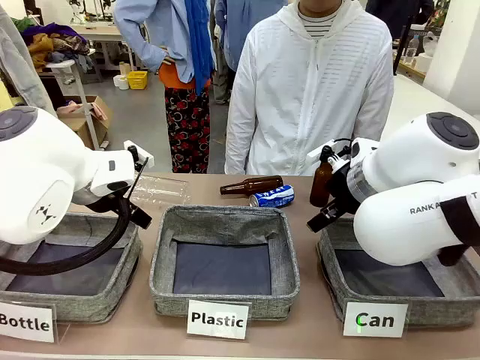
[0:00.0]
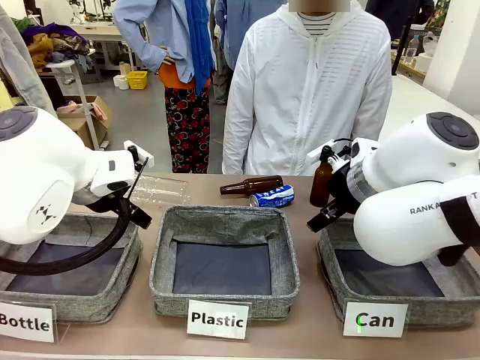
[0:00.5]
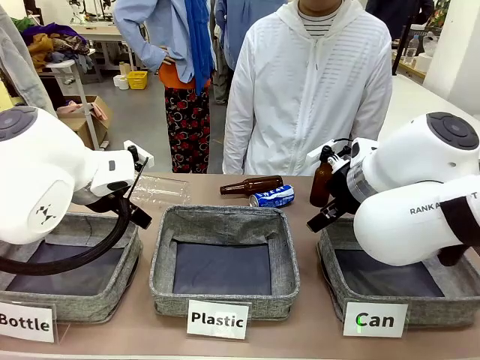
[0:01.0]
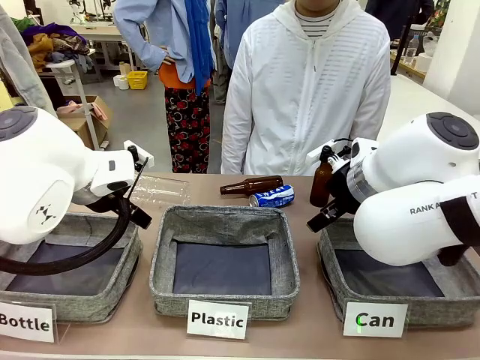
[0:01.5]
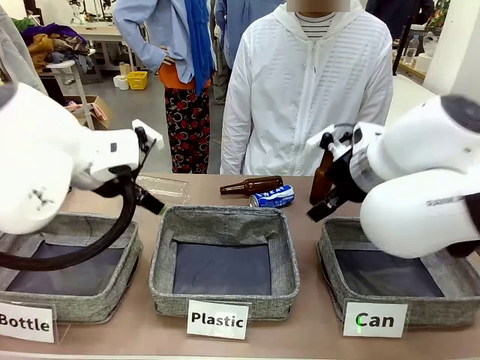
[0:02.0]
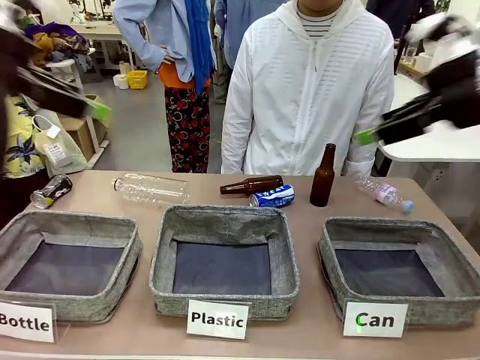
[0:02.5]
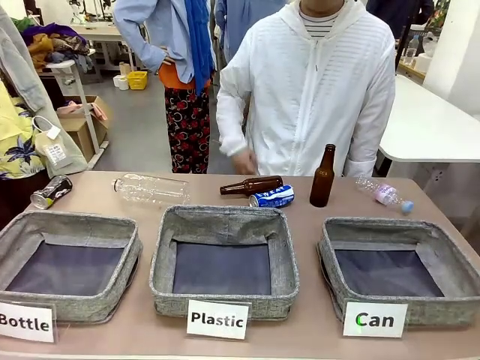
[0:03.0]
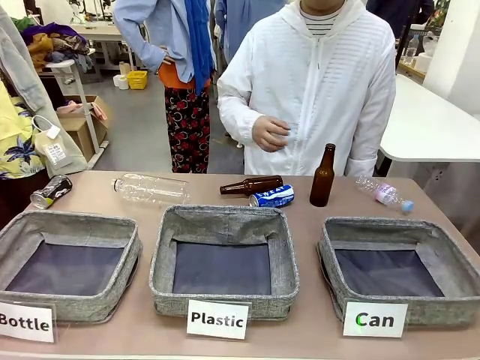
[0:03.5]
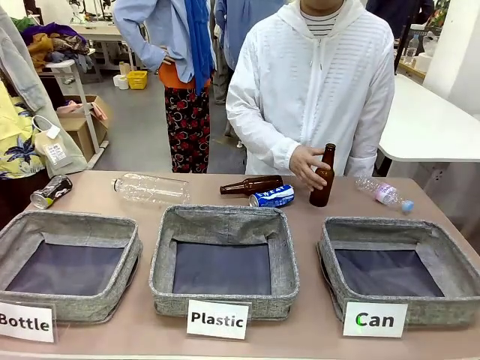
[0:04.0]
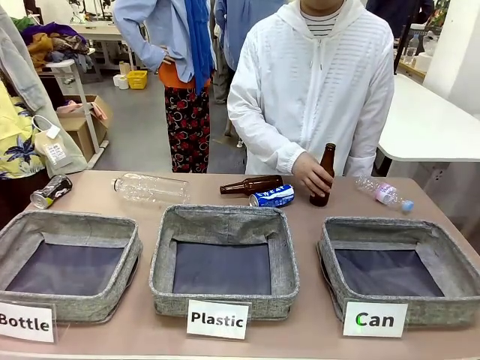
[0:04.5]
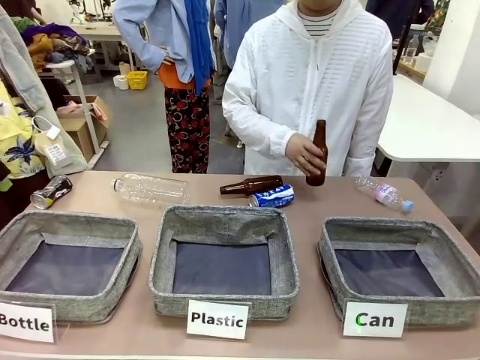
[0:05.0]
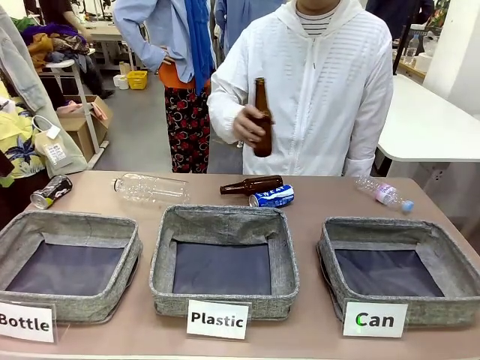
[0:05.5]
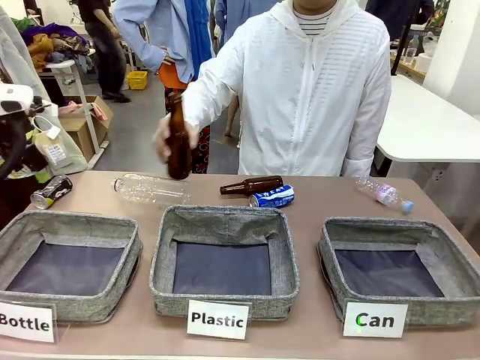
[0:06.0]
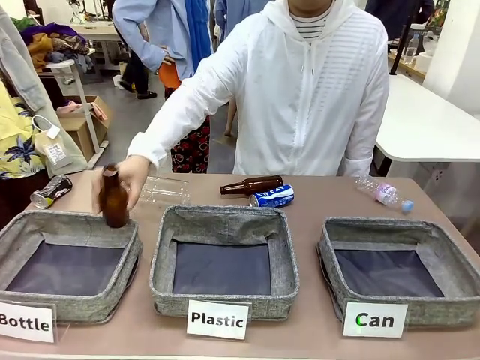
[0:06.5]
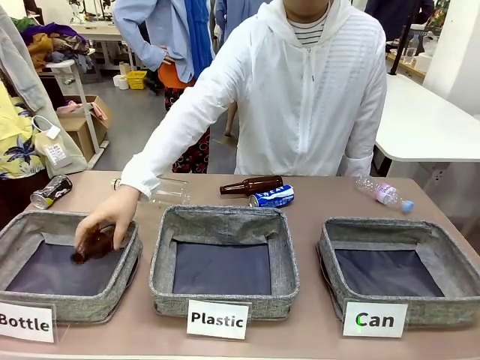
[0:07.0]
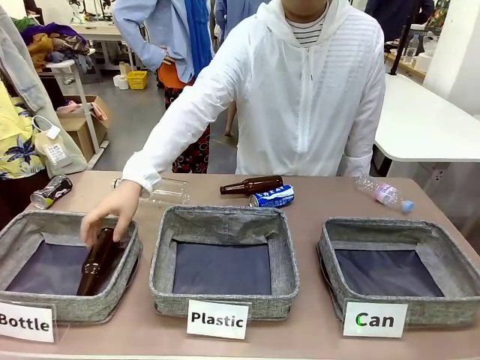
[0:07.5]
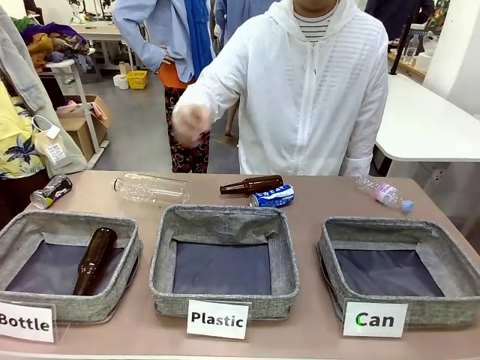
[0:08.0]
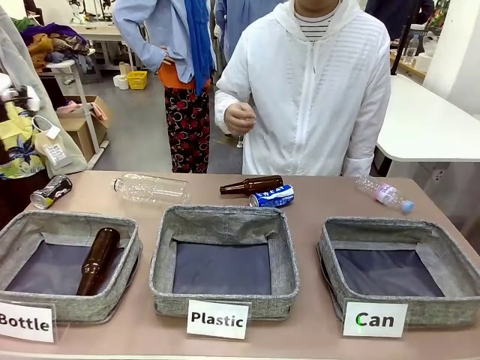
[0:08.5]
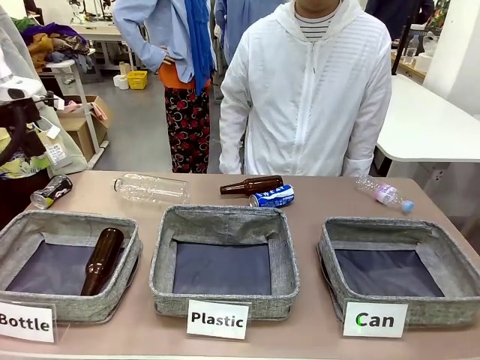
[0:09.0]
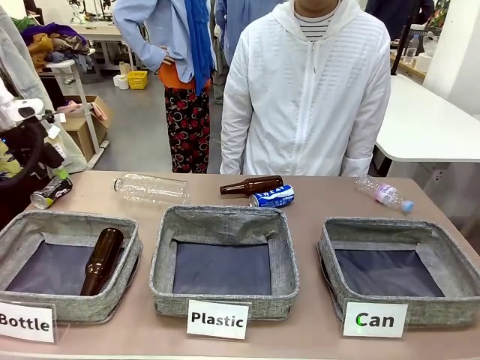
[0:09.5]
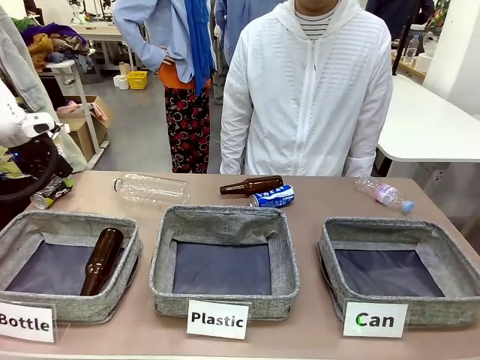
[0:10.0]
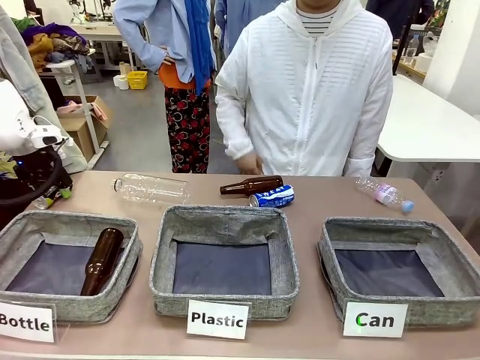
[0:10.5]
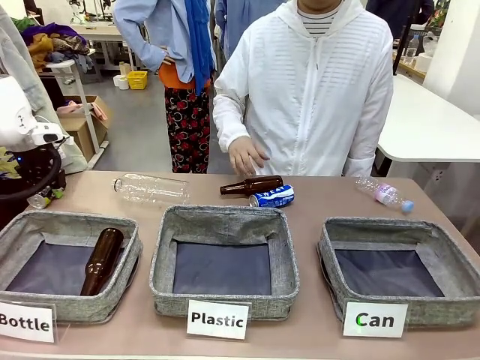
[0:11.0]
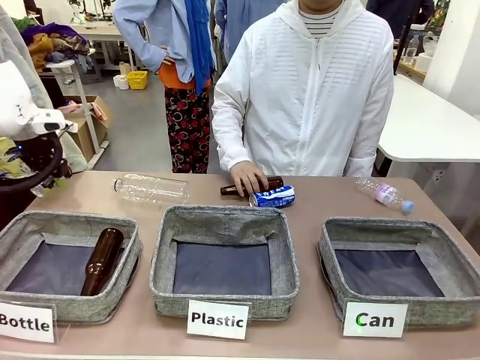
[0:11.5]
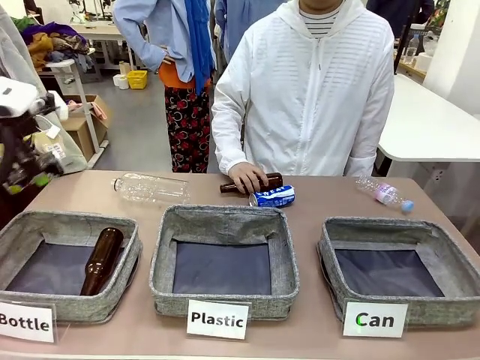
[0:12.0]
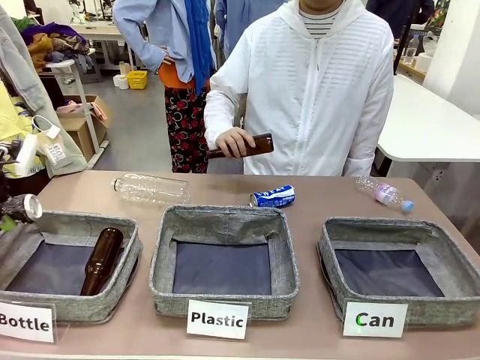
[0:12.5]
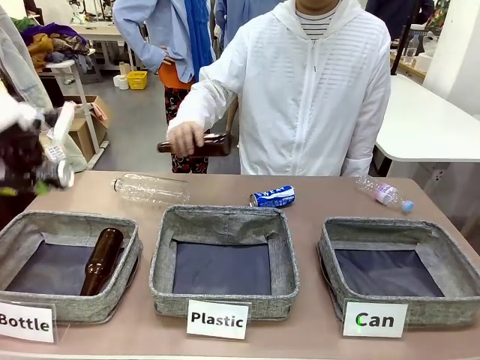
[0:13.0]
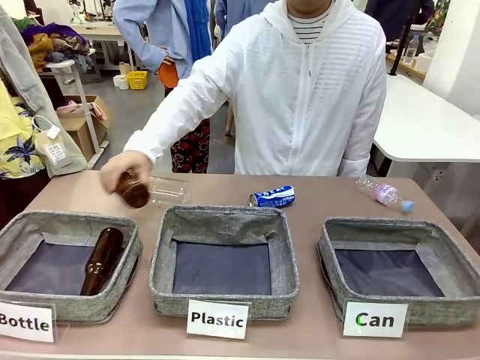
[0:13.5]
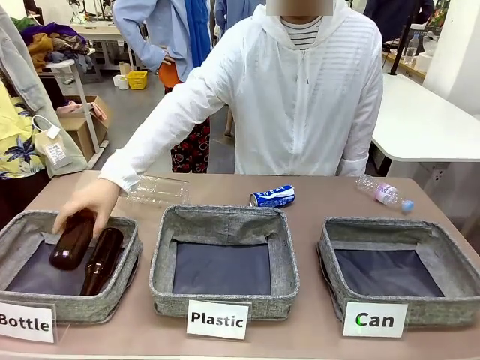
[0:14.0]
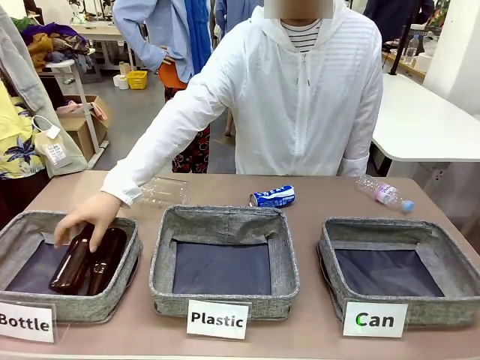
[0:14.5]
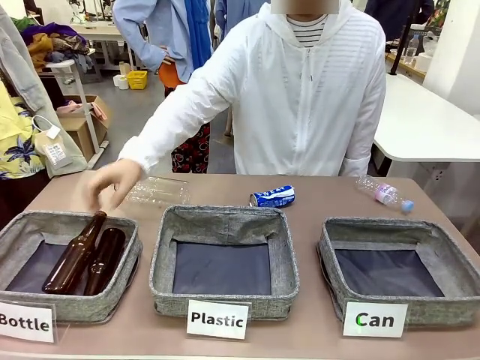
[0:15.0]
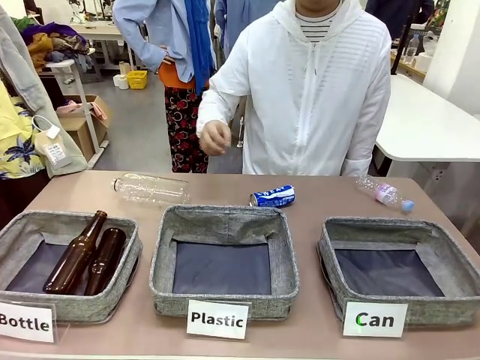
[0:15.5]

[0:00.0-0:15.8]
Task: Sort the can waste into the basket.
Robot: Pick up the can waste from the table and place it in the right Fabric basket.

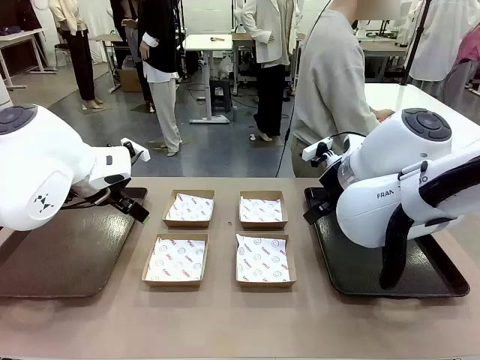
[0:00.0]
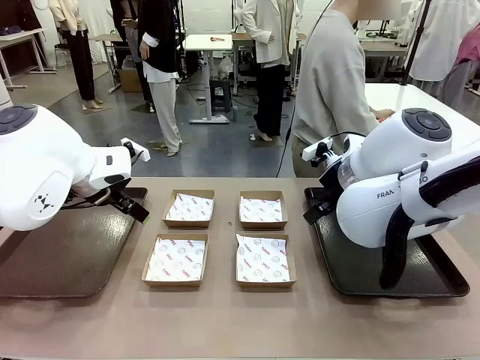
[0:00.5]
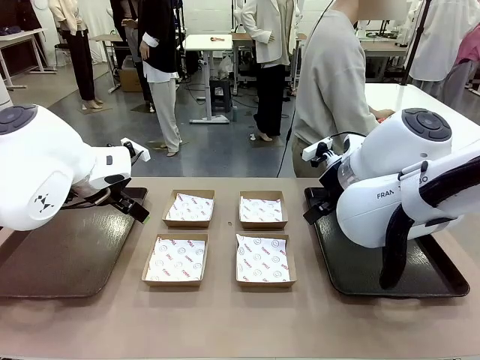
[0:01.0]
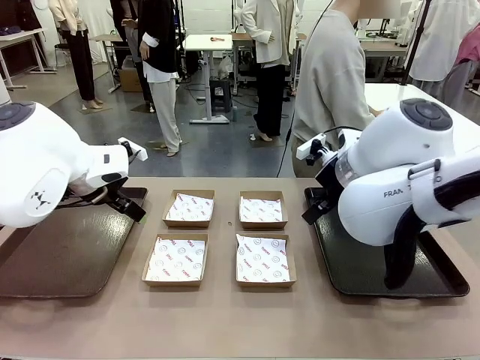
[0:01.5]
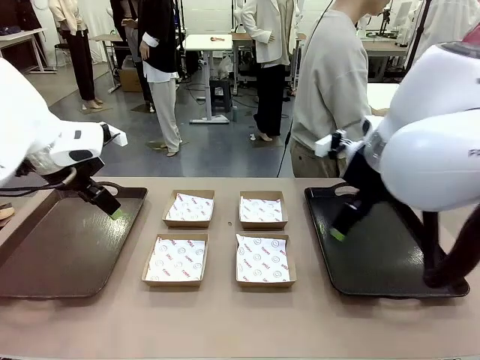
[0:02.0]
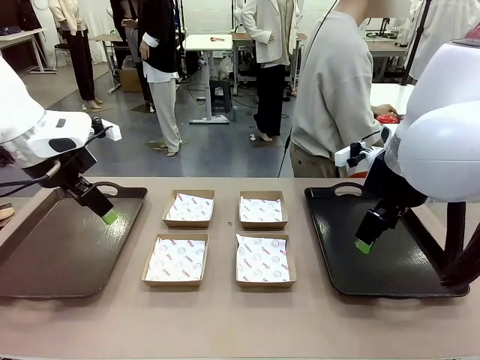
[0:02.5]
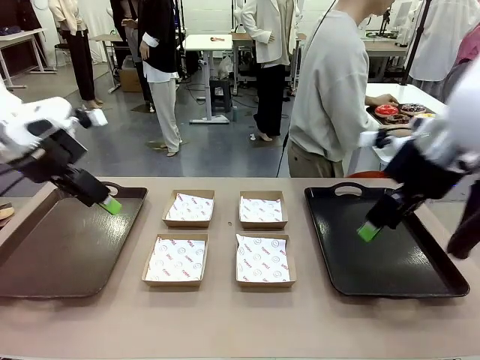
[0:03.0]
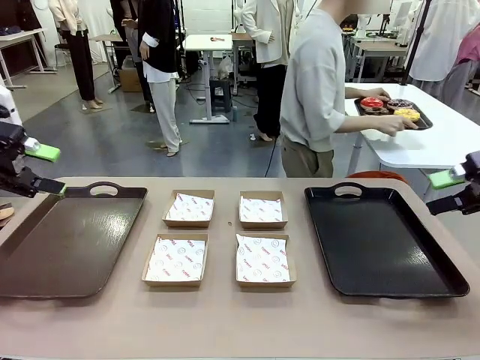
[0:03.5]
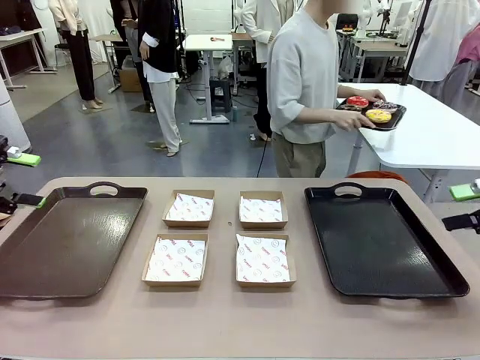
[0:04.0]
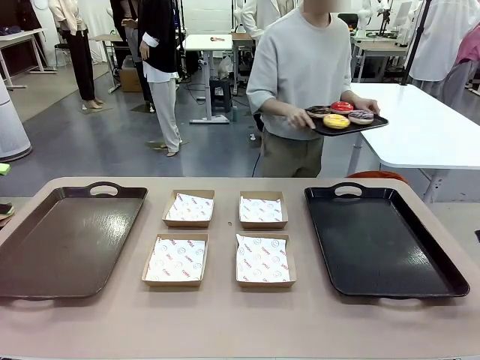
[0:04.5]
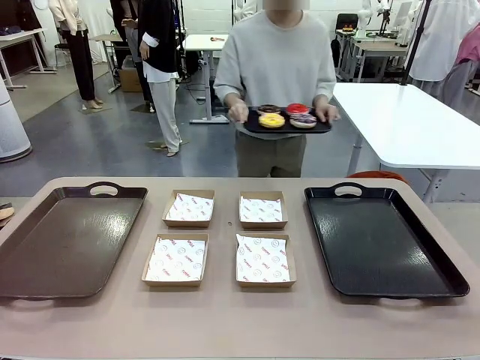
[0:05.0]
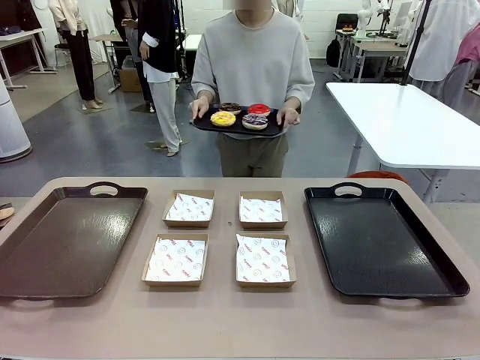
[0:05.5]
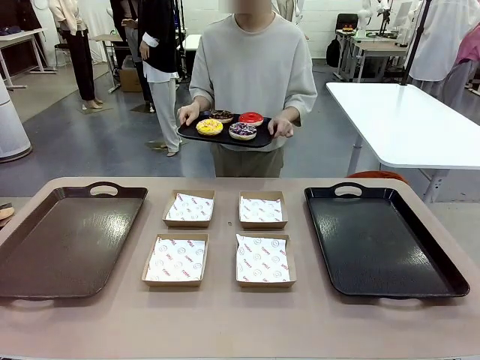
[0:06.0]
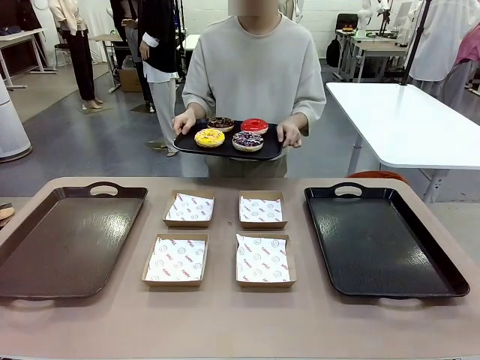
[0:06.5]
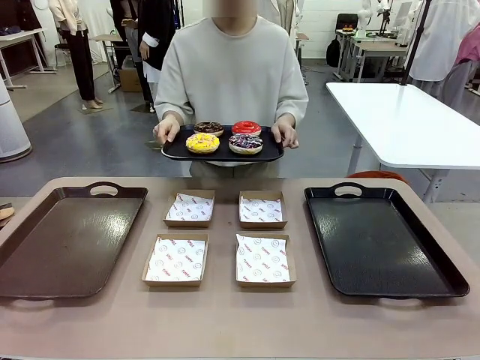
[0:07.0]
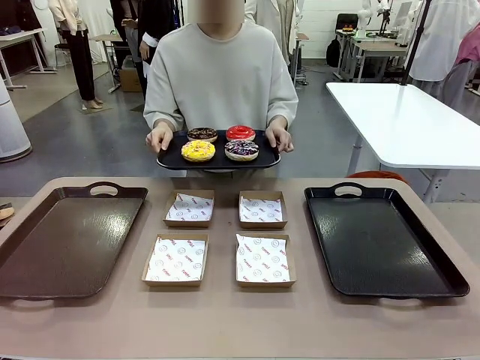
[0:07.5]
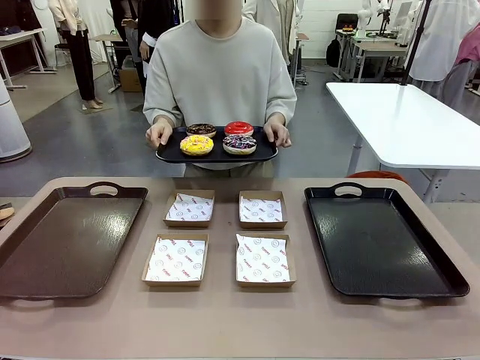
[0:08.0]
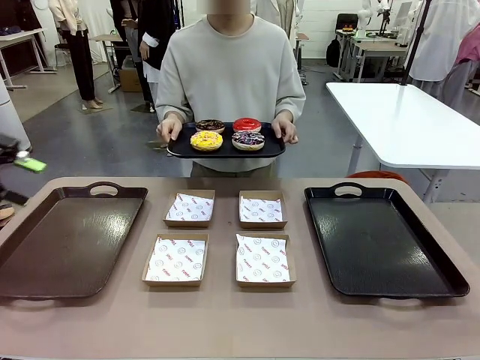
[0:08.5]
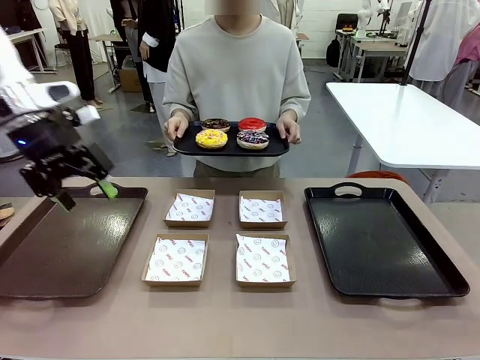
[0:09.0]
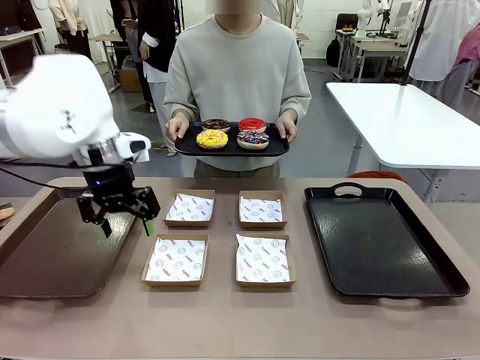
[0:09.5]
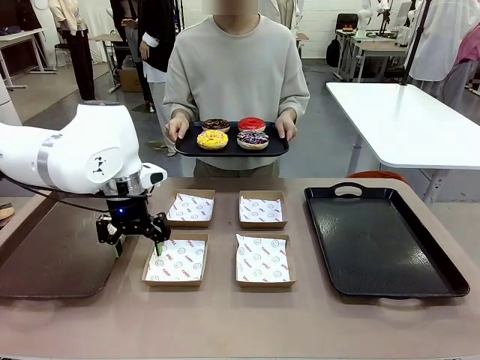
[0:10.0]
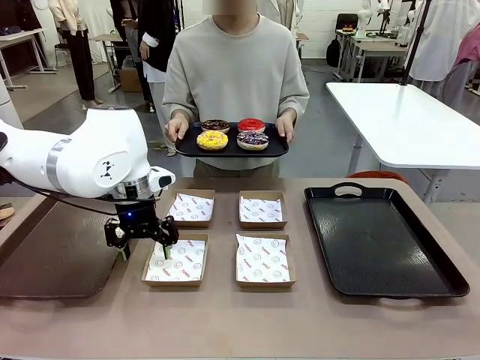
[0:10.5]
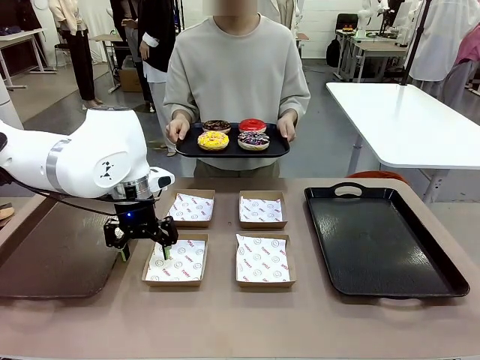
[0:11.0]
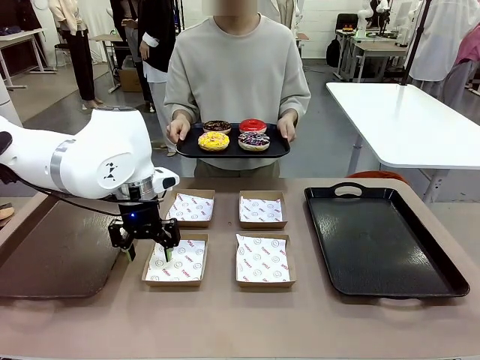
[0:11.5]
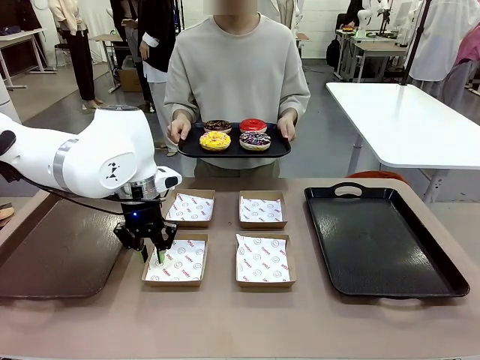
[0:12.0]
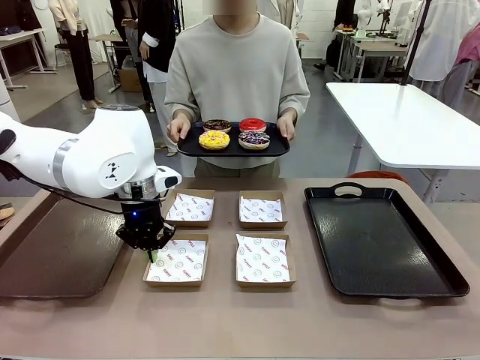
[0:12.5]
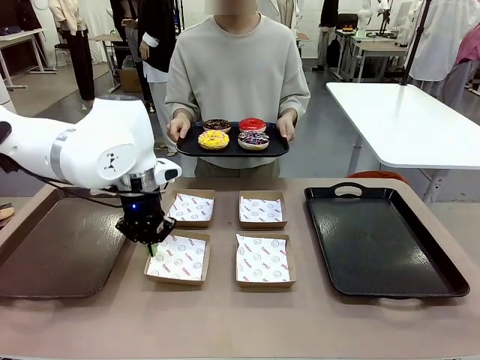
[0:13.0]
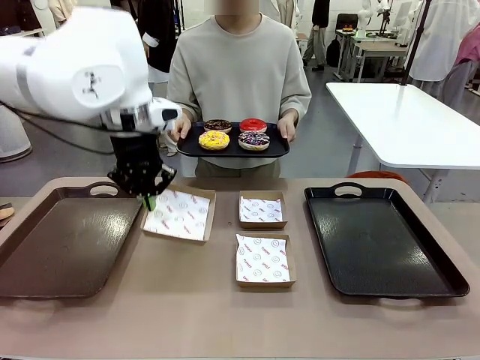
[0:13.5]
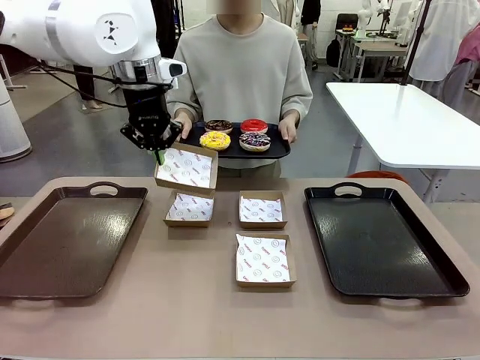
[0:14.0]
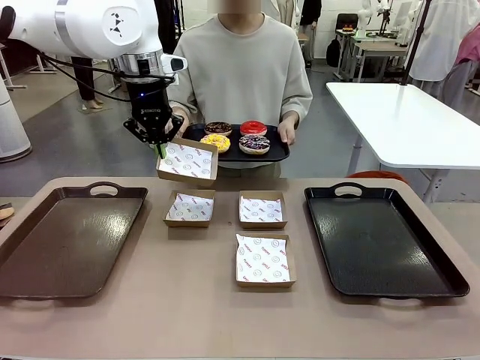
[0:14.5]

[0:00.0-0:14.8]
Task: Individually package the donuts and arrange them on the tray.
Robot: Pick up one Paper togo box.
Person: Stand in front of the robot table holding the tray containing the donuts.
